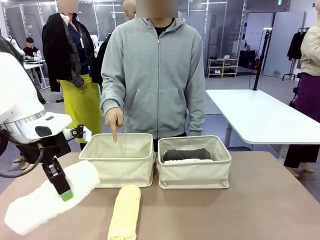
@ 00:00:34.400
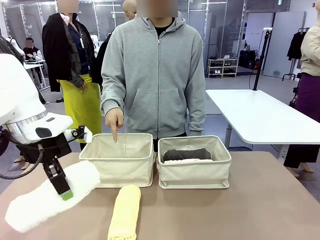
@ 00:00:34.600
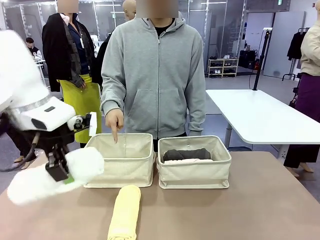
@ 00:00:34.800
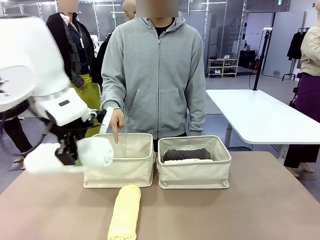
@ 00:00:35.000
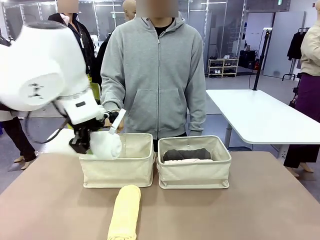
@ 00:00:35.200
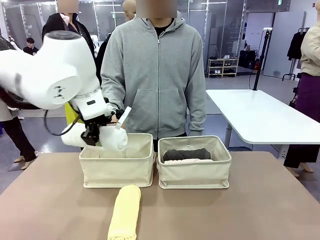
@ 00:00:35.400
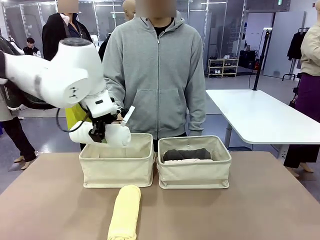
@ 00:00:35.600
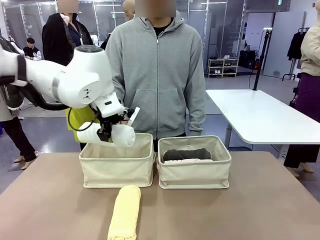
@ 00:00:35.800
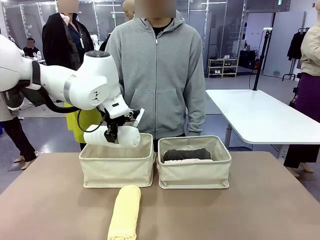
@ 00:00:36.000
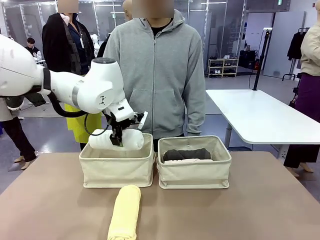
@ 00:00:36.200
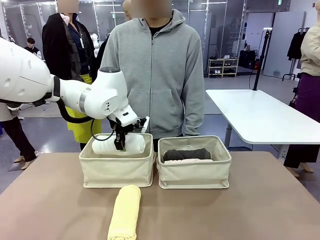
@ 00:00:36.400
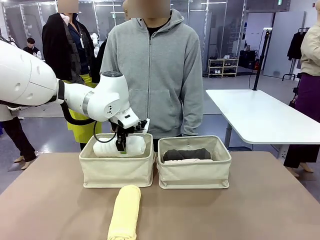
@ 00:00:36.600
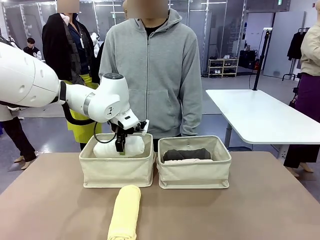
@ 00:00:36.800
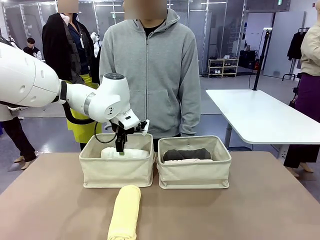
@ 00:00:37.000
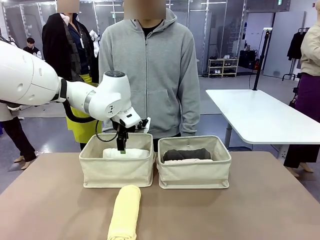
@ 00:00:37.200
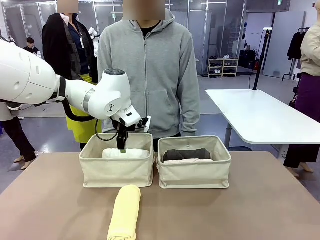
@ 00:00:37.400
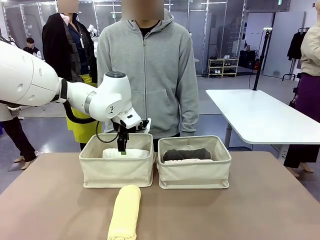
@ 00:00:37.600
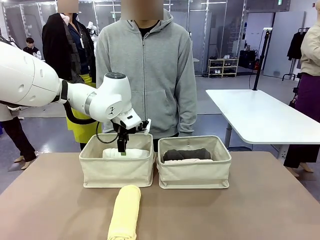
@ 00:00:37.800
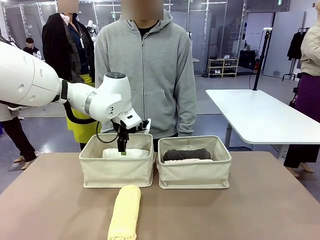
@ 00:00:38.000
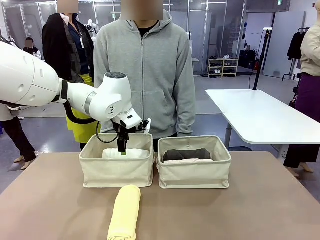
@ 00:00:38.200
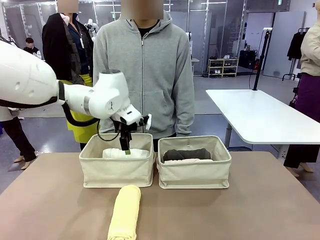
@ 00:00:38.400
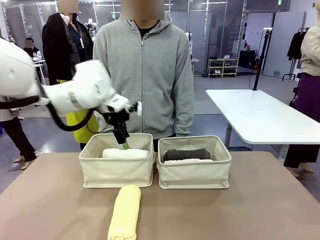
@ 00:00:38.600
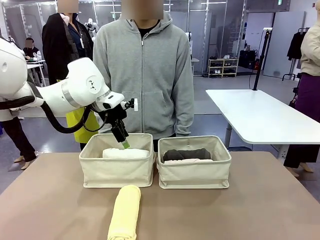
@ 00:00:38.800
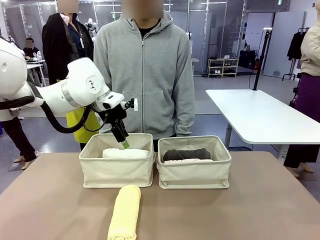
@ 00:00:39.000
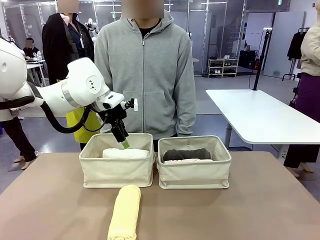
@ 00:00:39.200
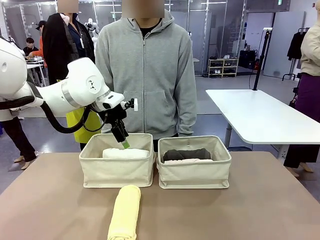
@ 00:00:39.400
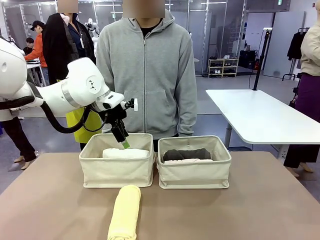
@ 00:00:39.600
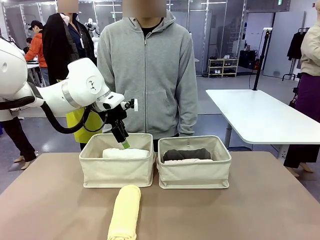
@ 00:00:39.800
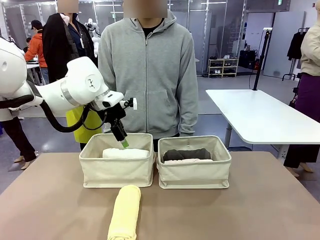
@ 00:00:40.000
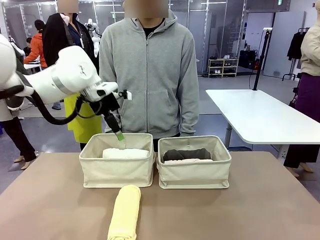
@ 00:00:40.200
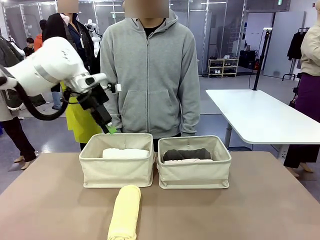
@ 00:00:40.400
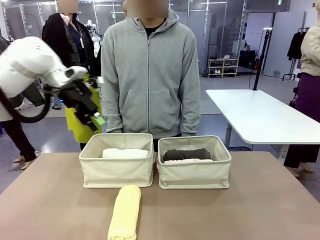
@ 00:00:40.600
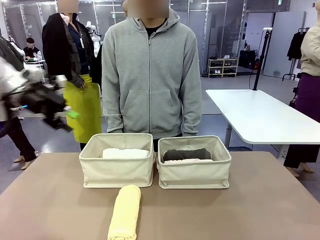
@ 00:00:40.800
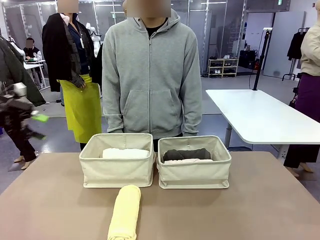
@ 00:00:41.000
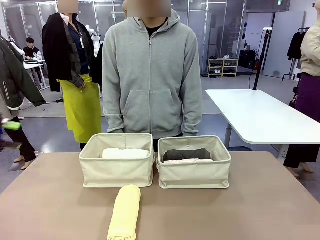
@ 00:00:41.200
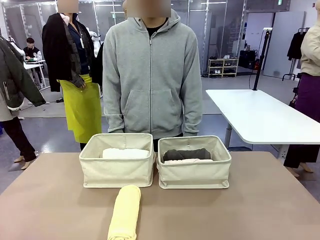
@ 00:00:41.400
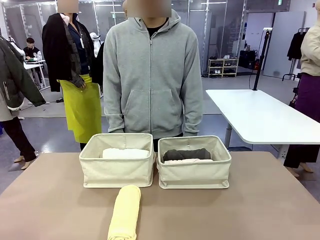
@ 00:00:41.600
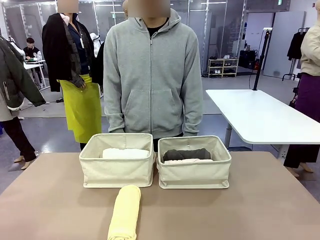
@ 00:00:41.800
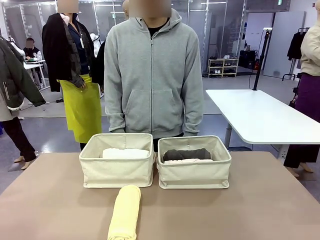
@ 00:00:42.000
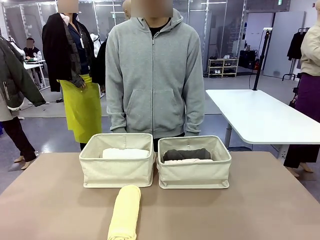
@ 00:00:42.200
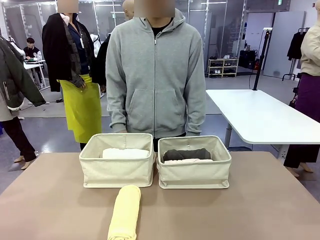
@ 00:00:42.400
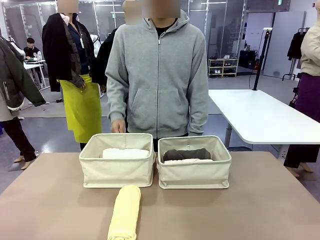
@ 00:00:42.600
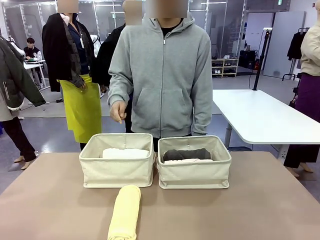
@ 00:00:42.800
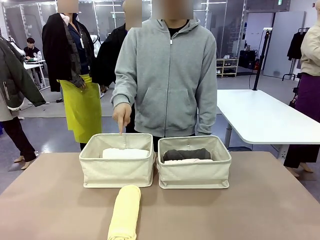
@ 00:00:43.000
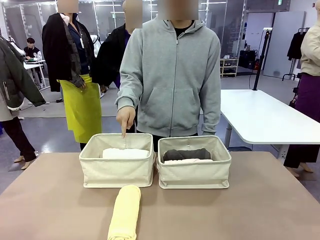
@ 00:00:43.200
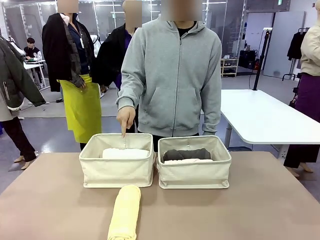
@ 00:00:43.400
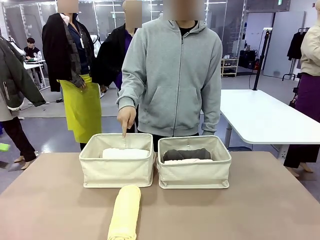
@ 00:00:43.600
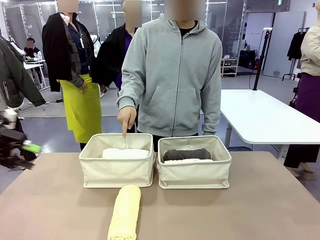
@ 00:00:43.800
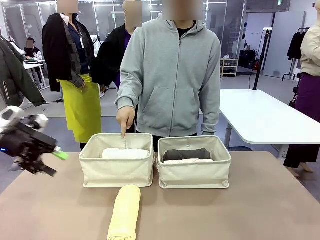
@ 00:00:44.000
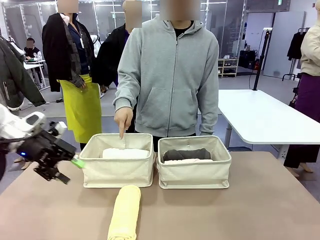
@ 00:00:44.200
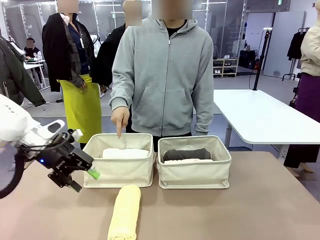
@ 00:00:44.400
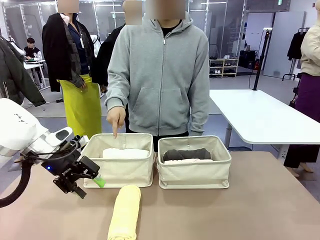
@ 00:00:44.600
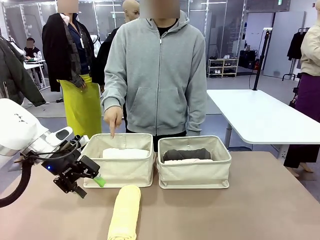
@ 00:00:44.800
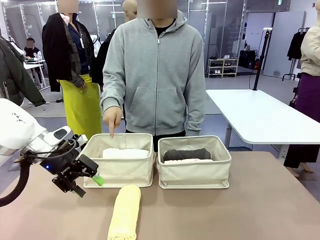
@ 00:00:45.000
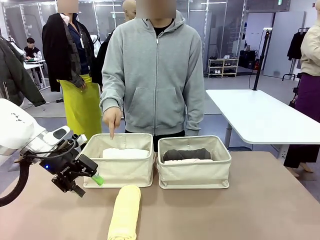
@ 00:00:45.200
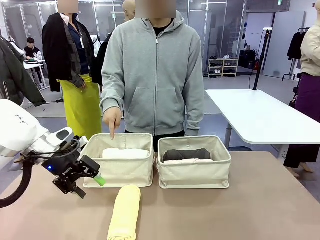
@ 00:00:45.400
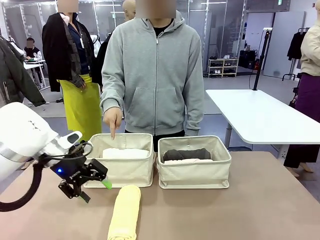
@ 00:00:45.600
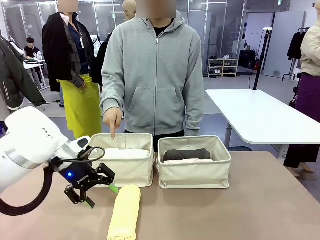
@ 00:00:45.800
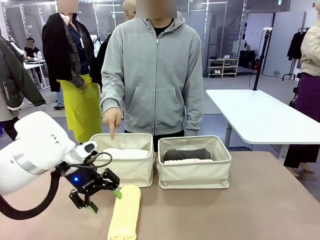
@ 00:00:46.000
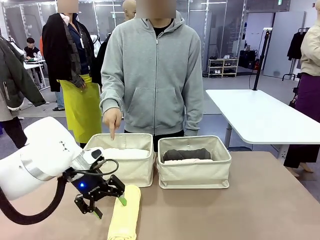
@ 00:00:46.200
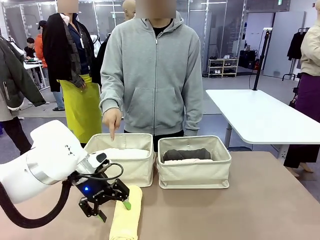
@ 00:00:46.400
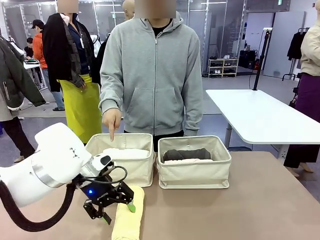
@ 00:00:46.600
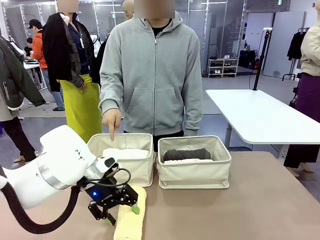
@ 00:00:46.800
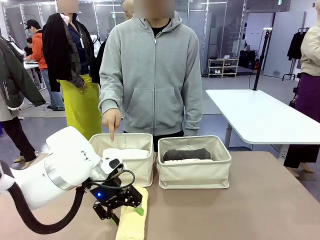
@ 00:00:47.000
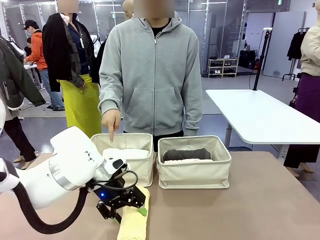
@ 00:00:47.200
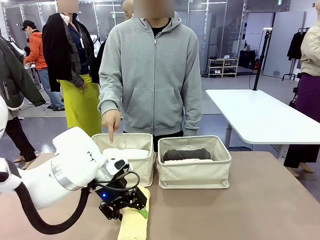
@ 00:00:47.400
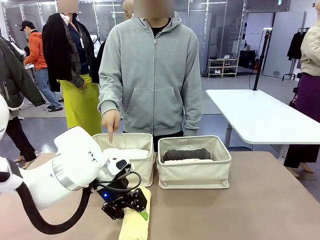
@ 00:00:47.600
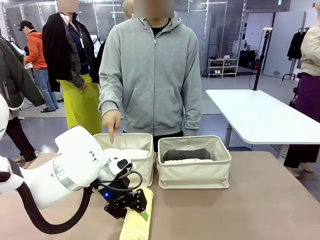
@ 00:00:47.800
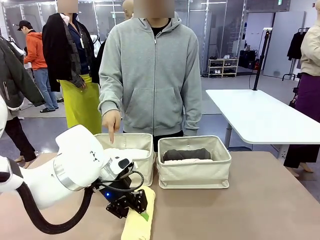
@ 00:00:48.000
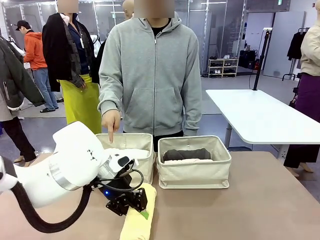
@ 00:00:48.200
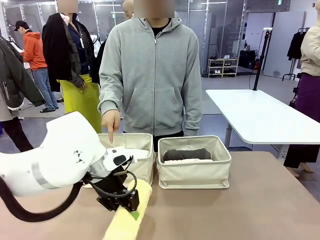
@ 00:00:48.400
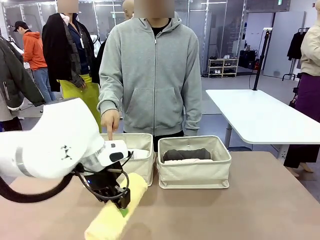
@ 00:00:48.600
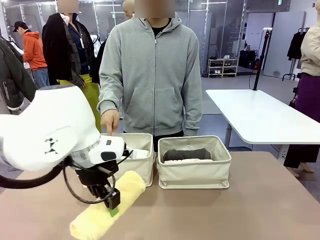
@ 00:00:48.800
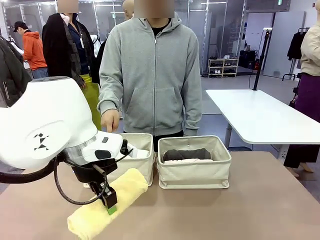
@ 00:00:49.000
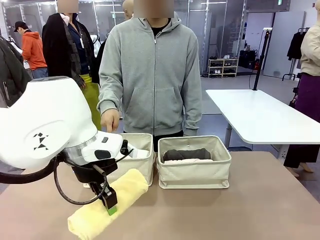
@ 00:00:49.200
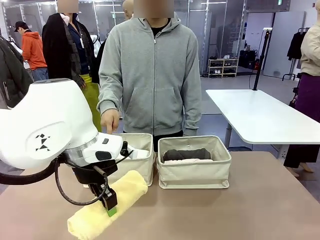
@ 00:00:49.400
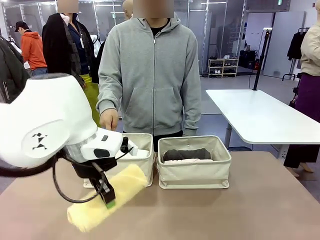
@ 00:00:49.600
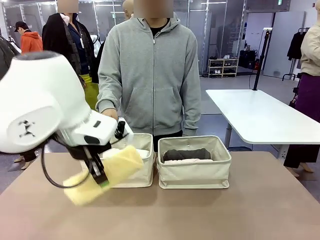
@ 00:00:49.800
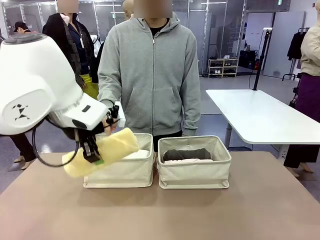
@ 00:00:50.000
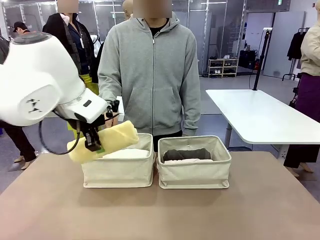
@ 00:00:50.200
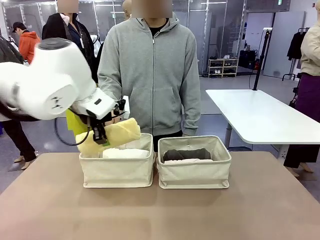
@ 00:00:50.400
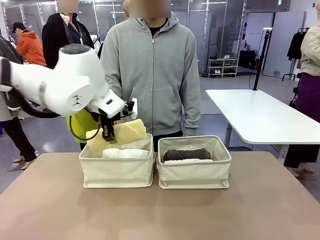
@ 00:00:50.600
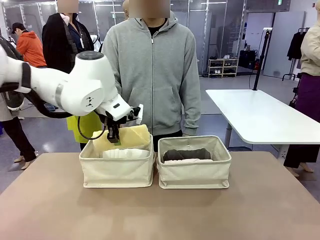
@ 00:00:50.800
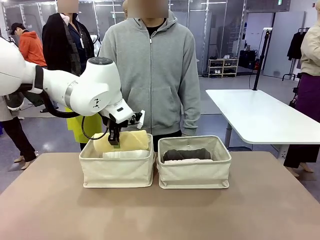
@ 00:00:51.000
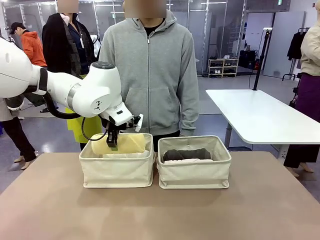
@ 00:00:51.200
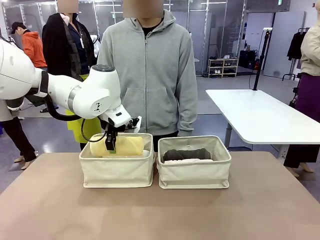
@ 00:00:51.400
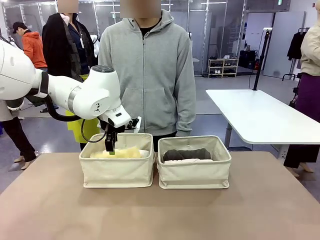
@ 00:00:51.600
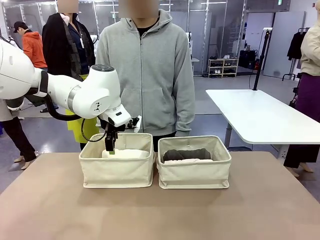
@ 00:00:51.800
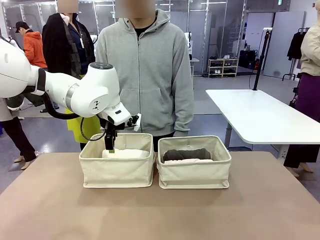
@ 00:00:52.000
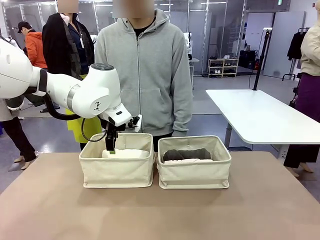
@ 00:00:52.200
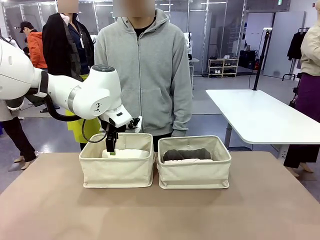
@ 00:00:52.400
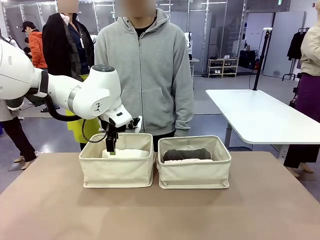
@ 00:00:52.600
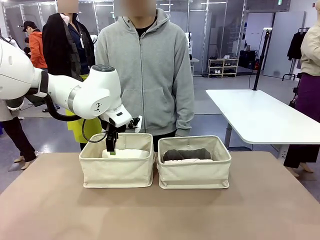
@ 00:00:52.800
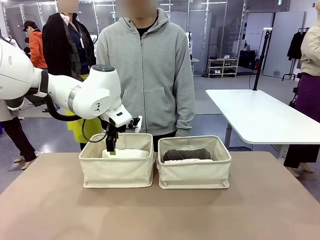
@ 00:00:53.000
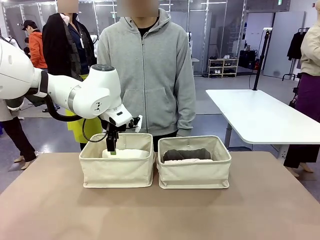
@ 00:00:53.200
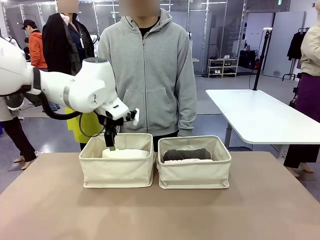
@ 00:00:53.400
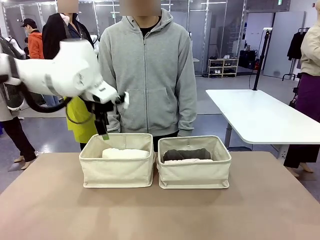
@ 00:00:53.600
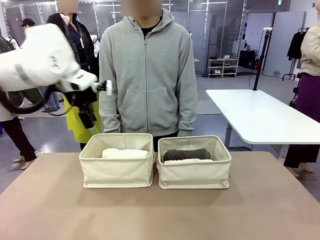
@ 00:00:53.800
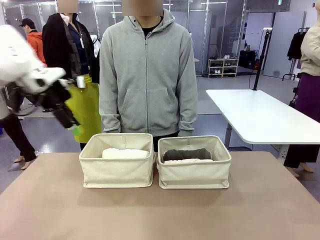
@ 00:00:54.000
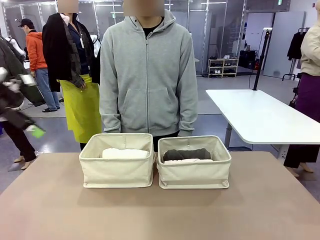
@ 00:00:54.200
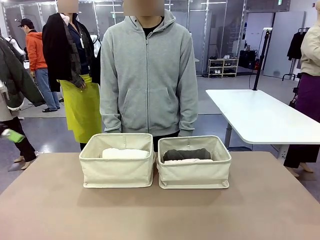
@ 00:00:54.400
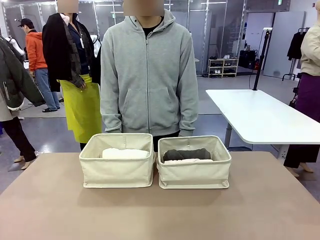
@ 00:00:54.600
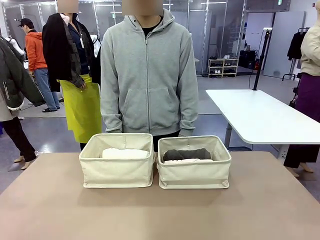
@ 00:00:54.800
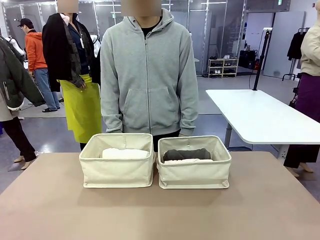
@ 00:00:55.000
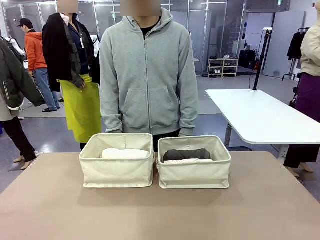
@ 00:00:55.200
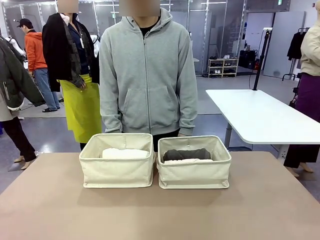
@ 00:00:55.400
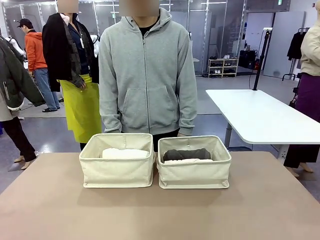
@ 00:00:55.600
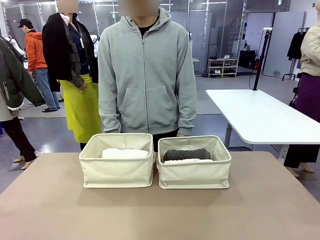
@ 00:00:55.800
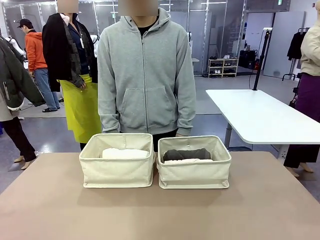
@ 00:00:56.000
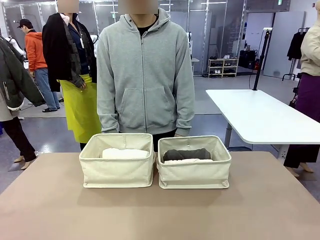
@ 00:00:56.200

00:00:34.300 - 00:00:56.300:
Task: Divide the towels into two baskets.
Robot: Pick up one hotel-folded towel from the bottom of the table and place it in the Fabric basket indicated by the person.
